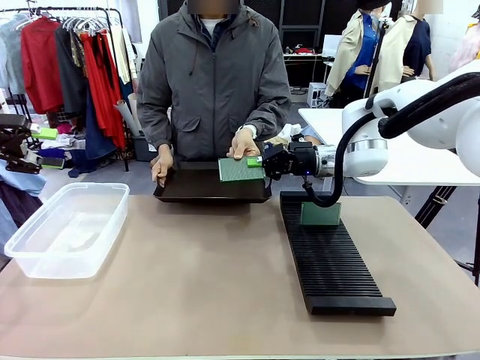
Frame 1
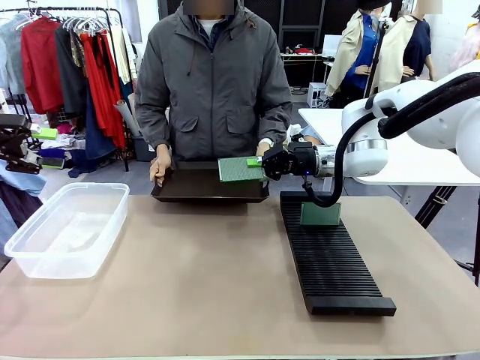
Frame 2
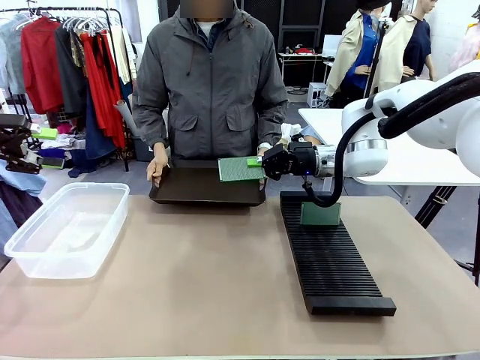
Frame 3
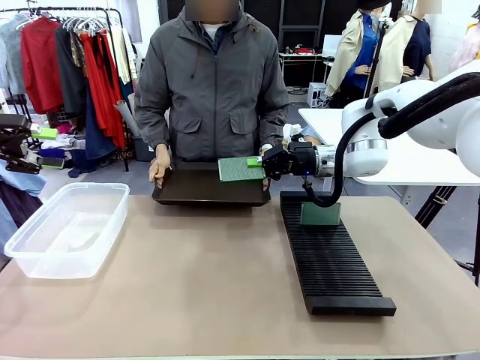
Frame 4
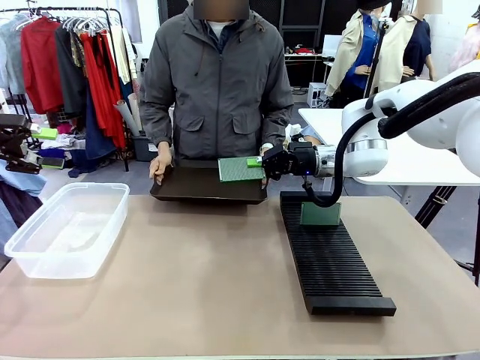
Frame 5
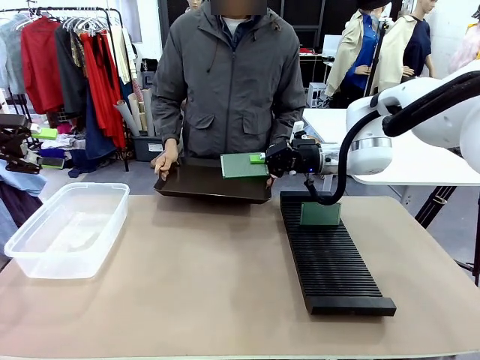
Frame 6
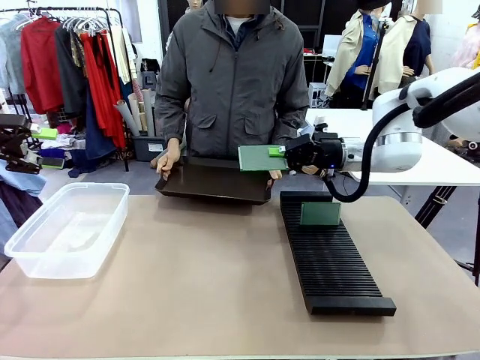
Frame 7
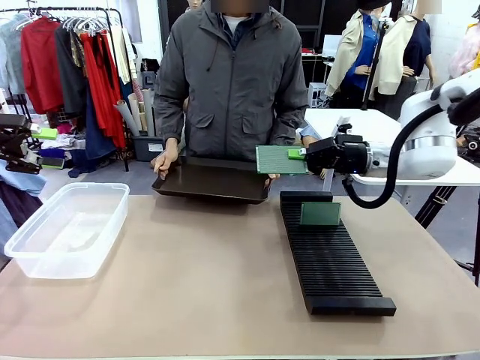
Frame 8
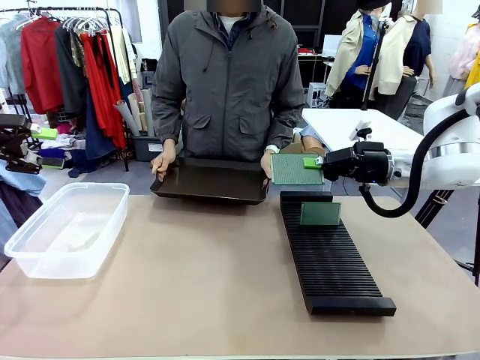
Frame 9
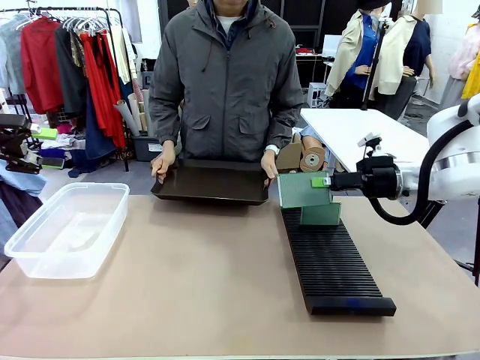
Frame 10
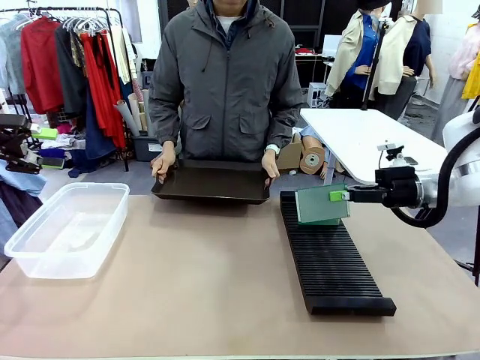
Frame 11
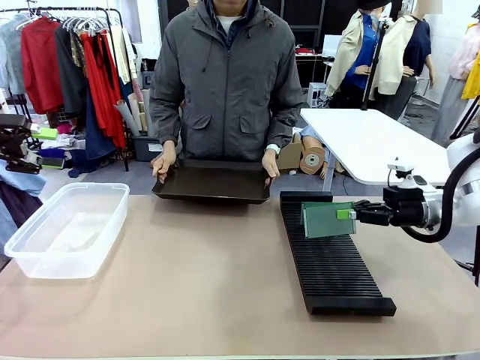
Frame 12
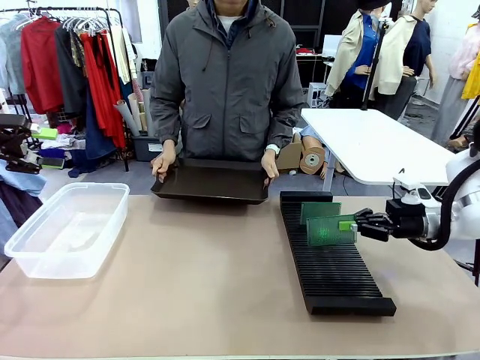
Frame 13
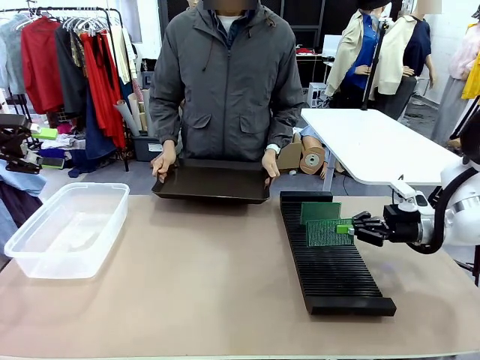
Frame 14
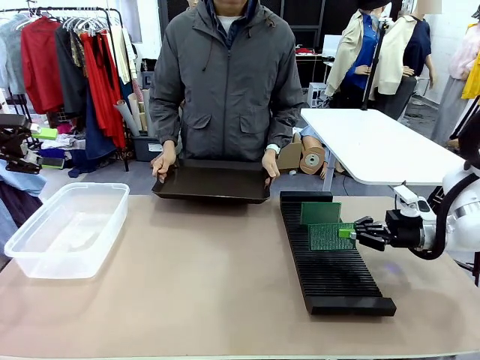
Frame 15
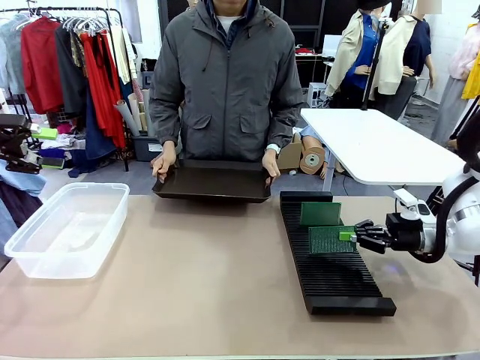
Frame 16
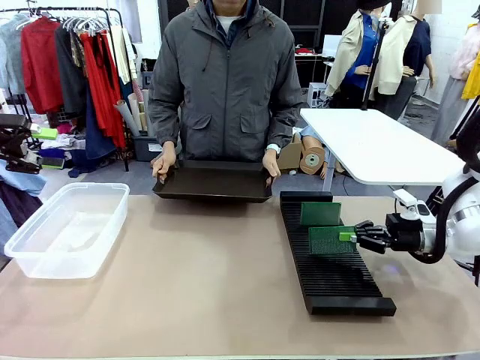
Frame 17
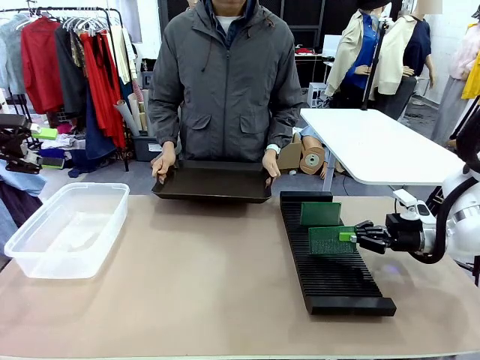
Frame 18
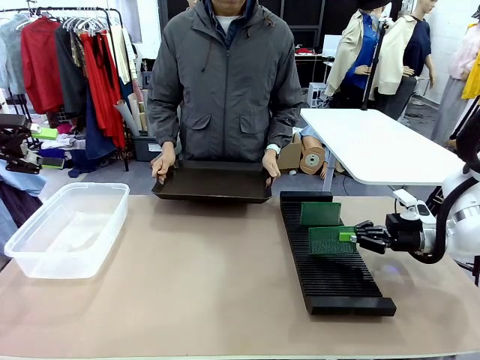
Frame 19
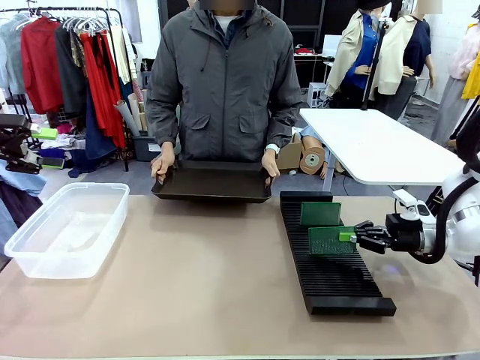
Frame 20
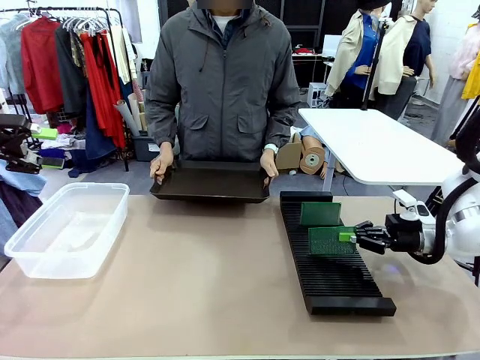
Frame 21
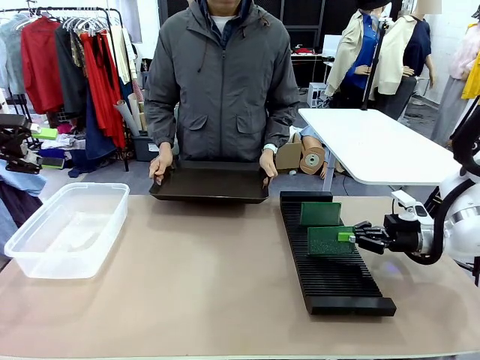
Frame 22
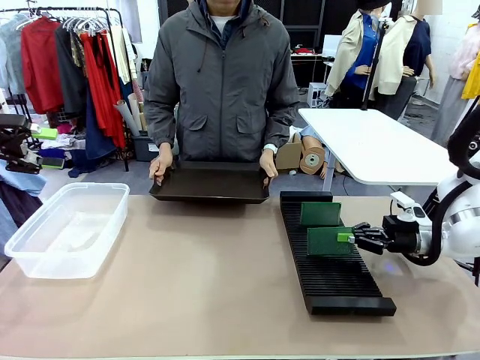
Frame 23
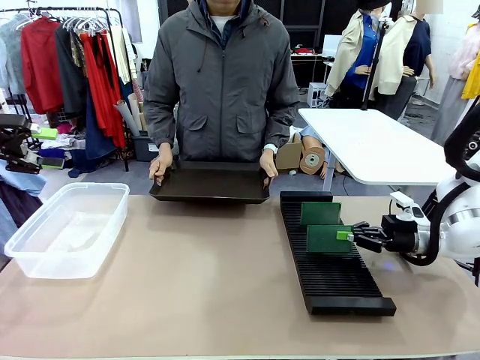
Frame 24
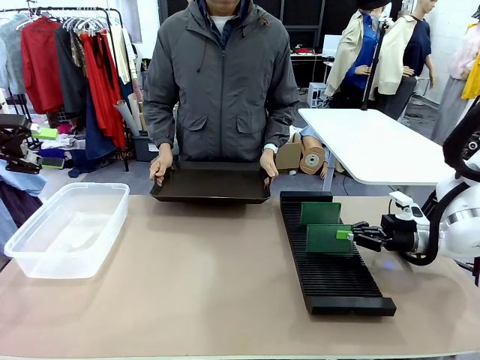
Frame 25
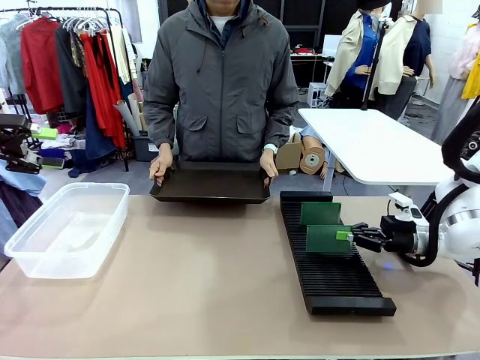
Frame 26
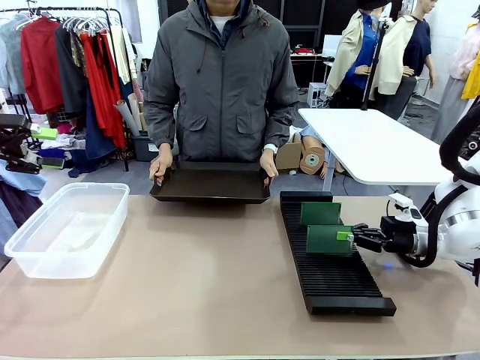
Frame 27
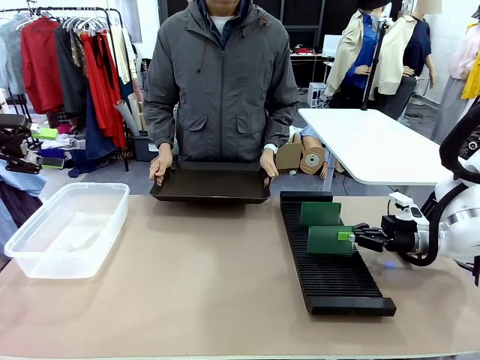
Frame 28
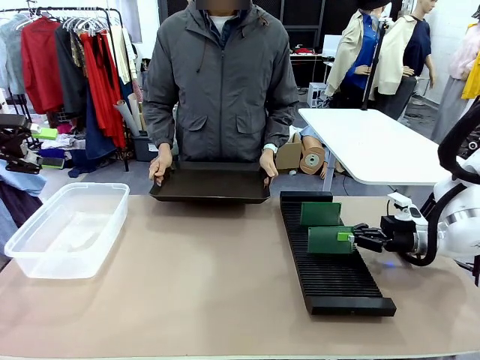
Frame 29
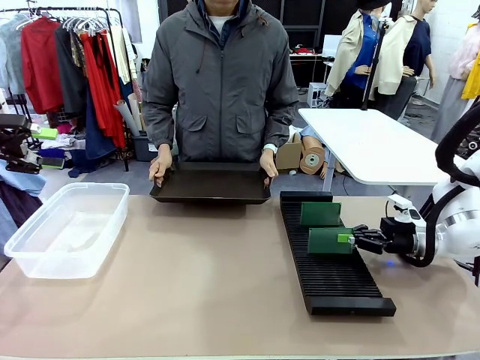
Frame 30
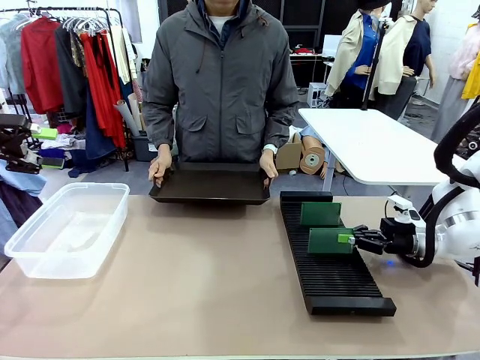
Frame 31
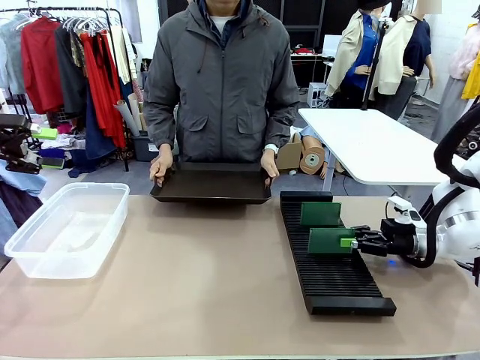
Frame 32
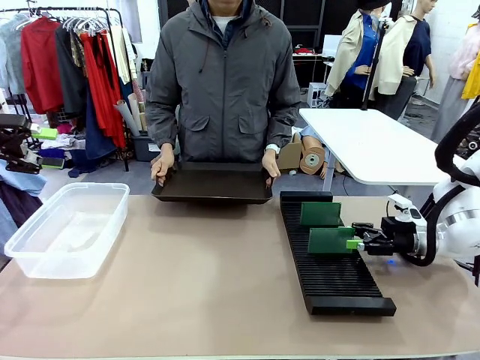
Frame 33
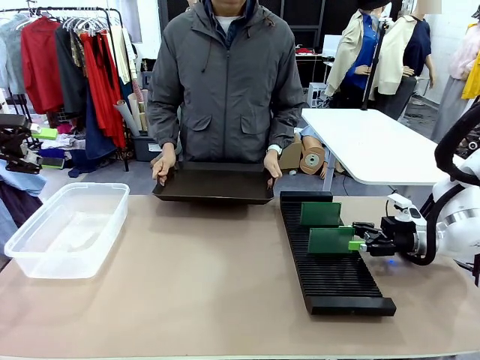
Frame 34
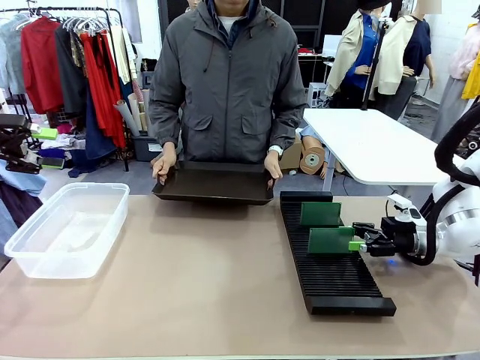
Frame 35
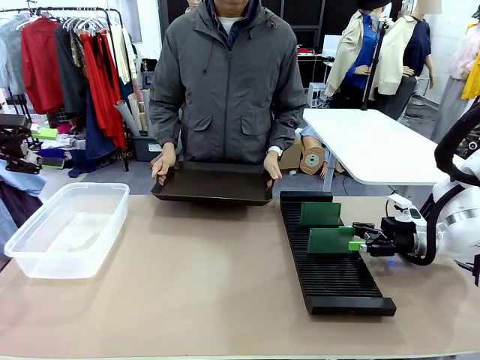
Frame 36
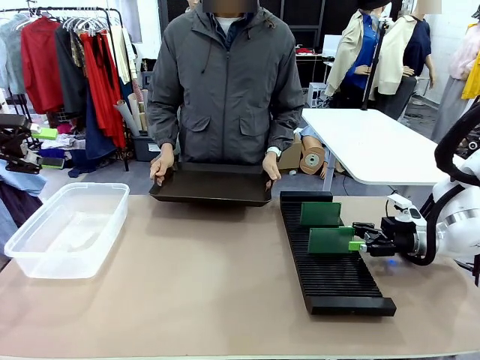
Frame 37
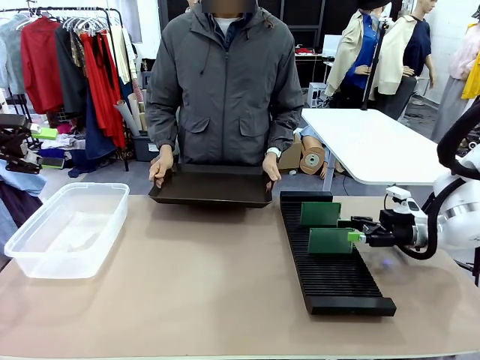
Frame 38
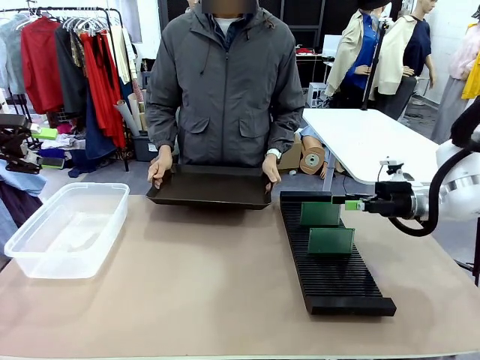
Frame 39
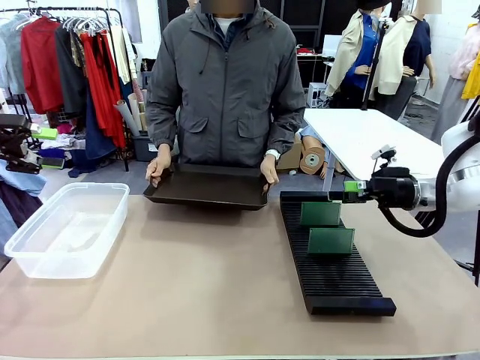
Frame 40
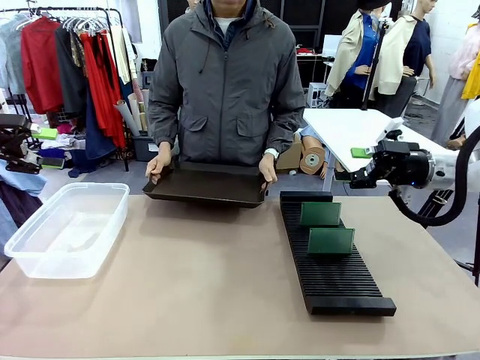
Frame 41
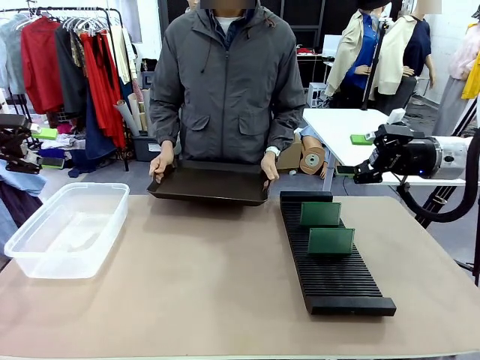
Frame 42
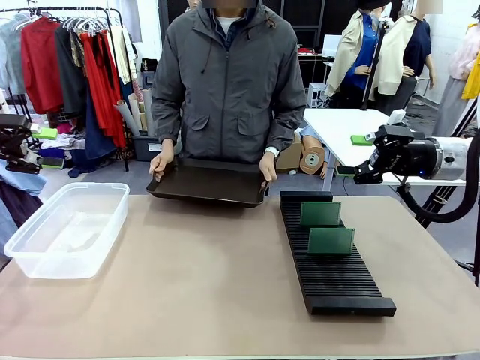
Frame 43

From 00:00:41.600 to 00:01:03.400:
Task: Sort PCBs into racks and boxes based on the side picked up.
Robot: If the short side of the Blank PCB is picked up, insert it into the PCB Rack ; if the long side is picked up, place it in the Organizing box.
Person: Release the PCB being held.
